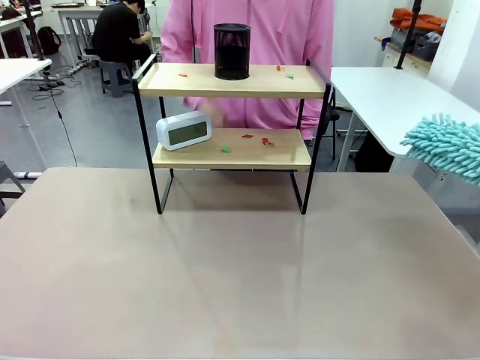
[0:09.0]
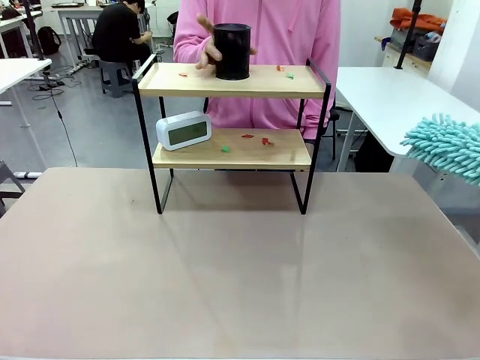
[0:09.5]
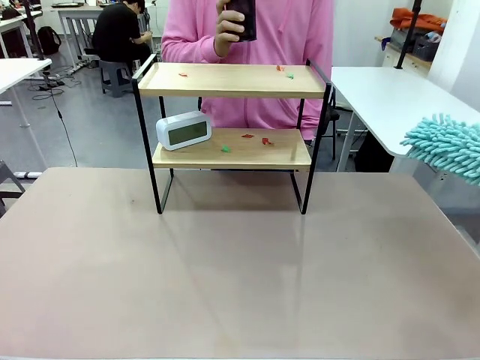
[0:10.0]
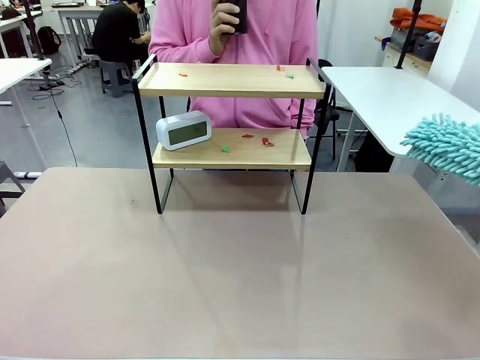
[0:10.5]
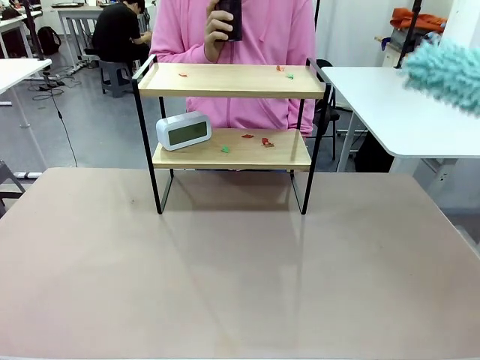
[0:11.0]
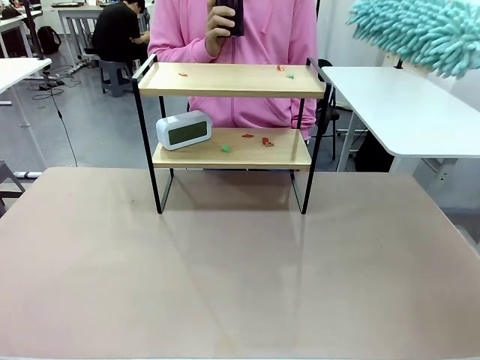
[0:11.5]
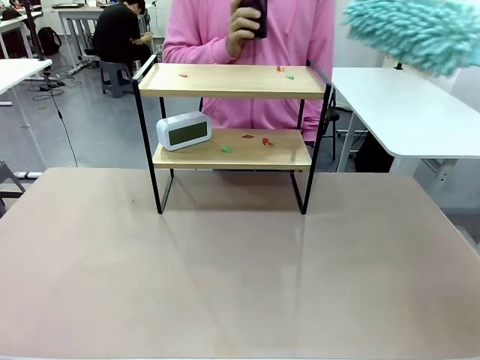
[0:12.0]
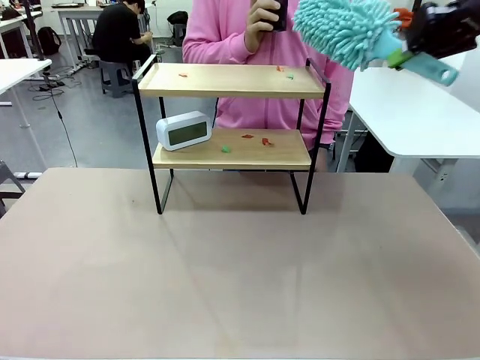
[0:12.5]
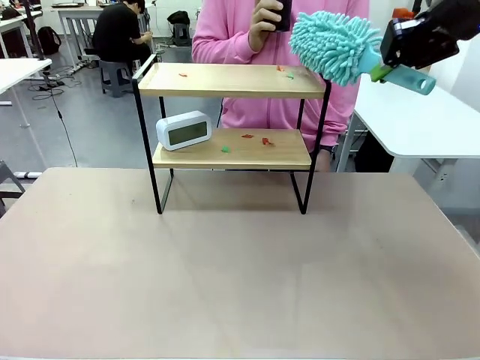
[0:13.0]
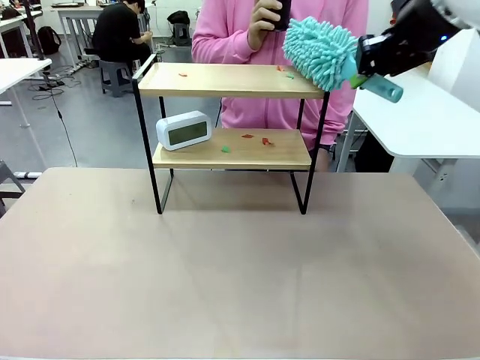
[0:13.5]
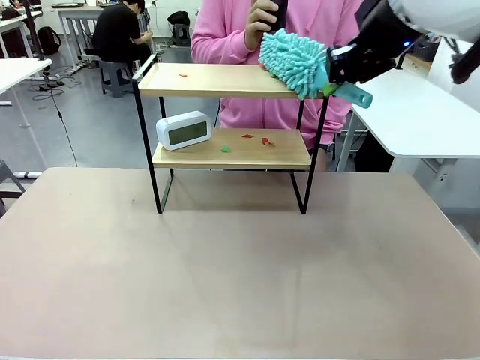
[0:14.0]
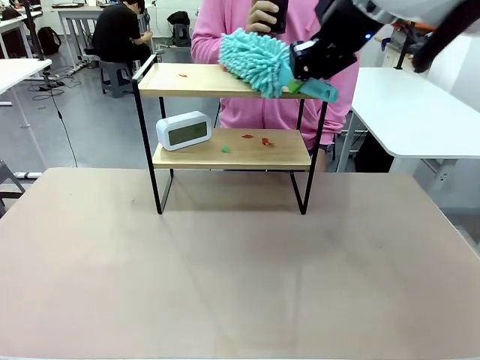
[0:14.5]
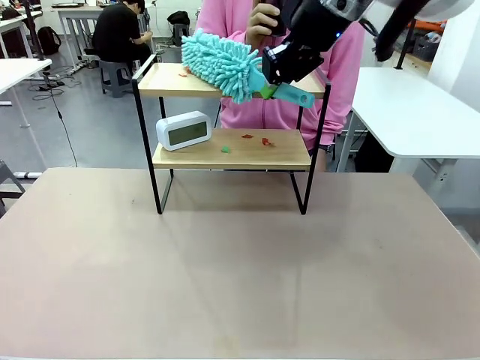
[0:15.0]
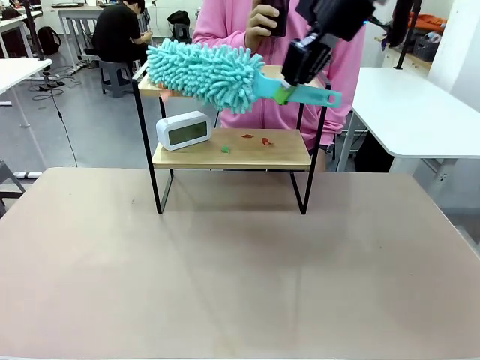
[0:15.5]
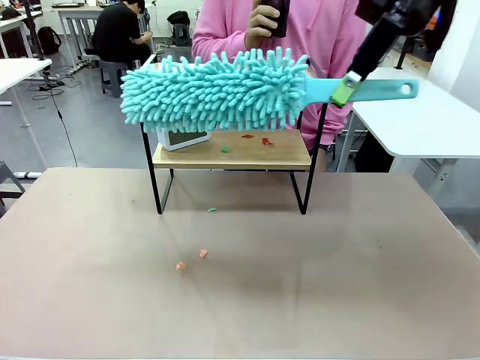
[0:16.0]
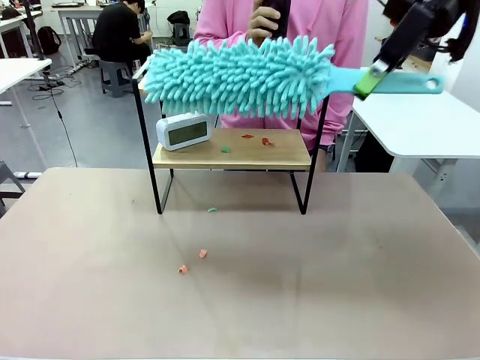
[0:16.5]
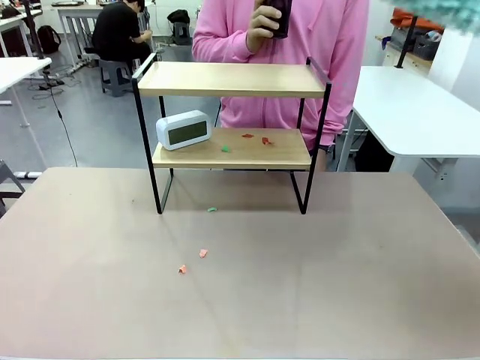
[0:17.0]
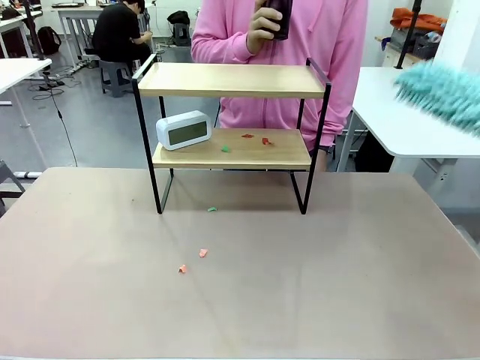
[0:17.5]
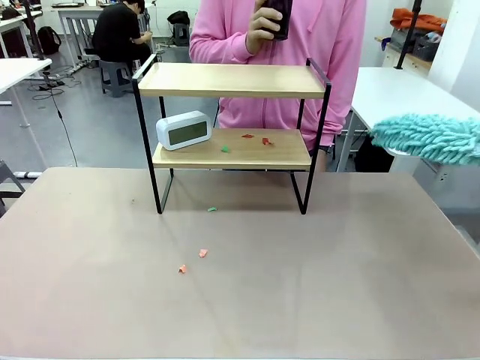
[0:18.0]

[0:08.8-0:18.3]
Task: Clean the shelf.
Robot: Clean the specific tier of the Shelf with the Duster once objects are removed.
Person: Lift the objects on a randomly selected tier of the Shelf. Once the robot finishes cleaning, lift the objects on the remaining tiers of the Shelf.

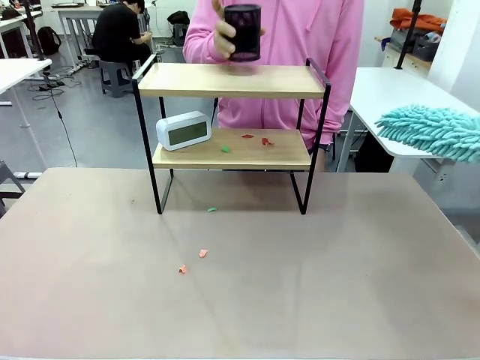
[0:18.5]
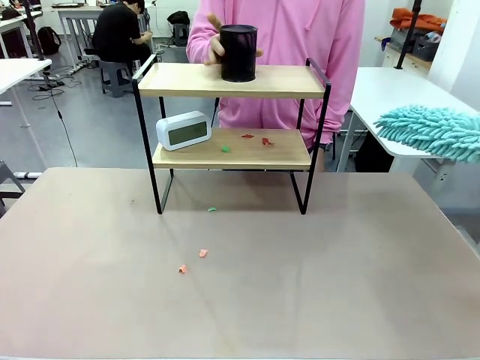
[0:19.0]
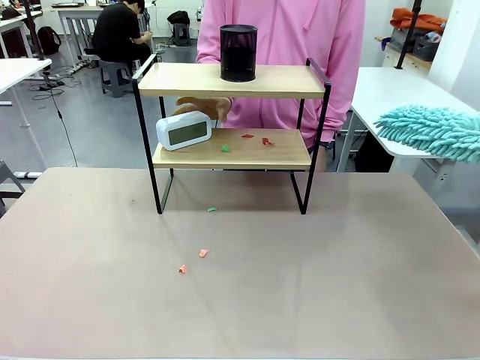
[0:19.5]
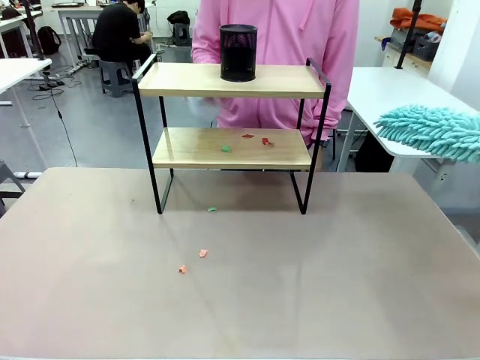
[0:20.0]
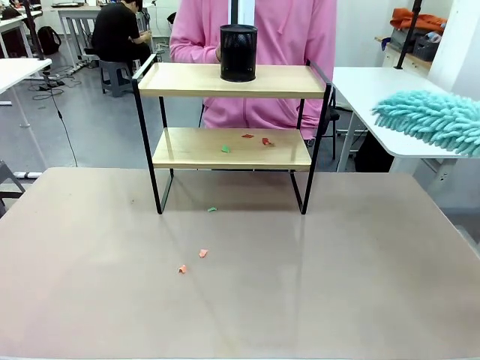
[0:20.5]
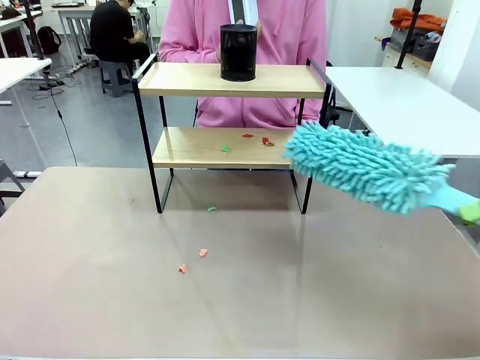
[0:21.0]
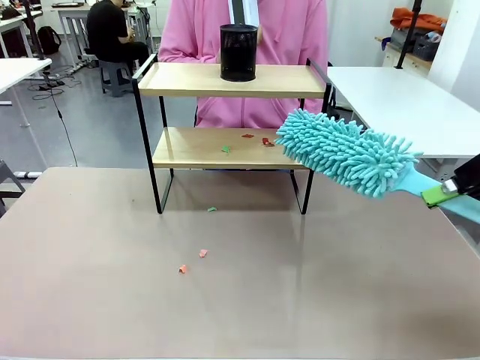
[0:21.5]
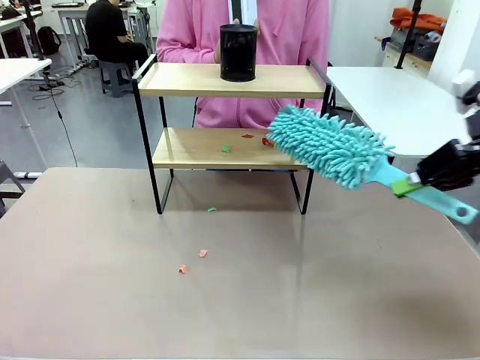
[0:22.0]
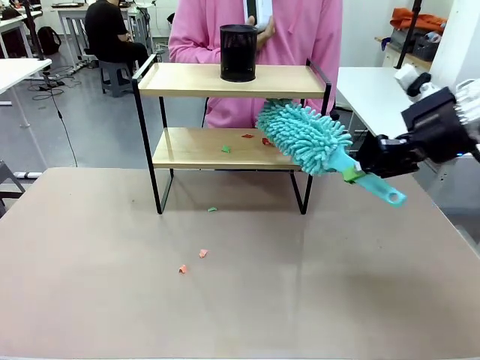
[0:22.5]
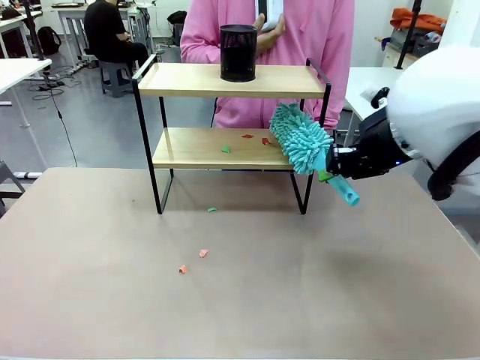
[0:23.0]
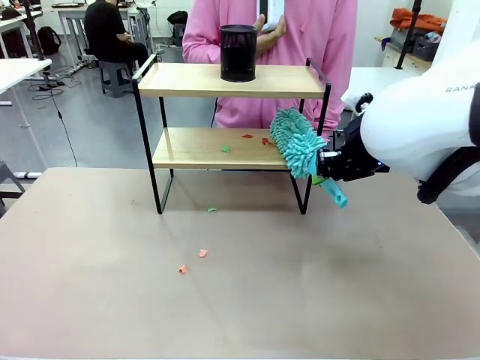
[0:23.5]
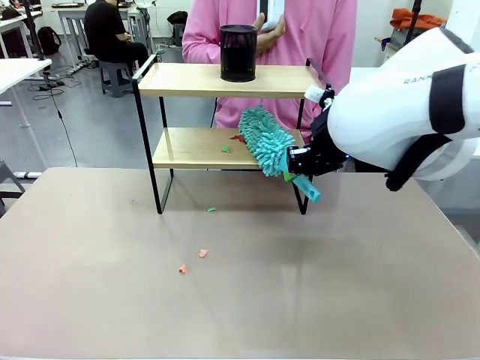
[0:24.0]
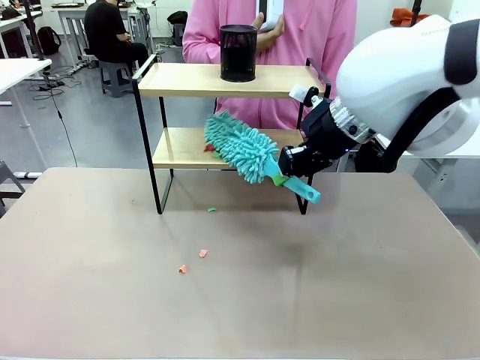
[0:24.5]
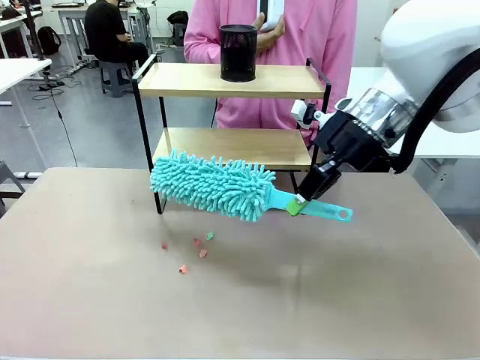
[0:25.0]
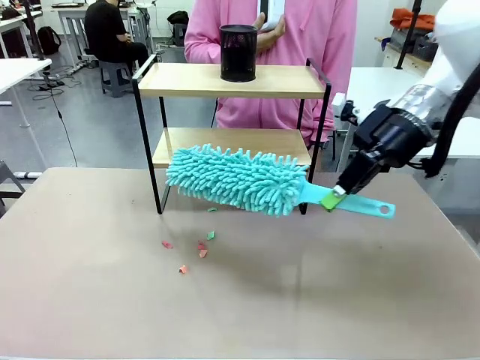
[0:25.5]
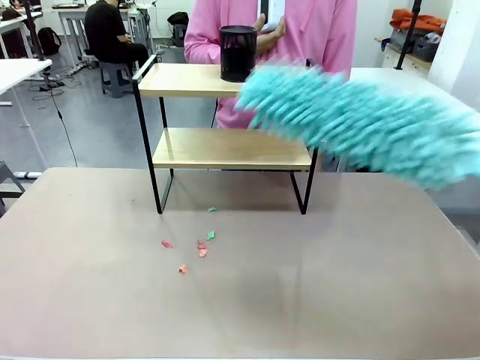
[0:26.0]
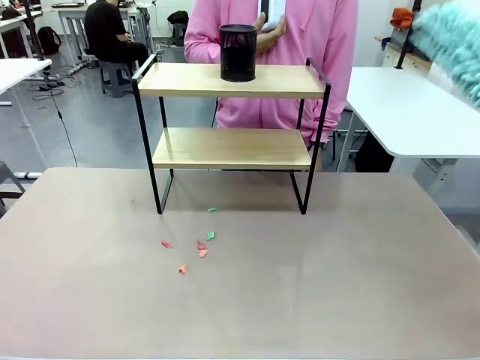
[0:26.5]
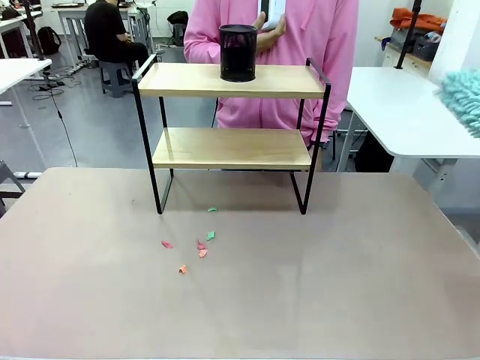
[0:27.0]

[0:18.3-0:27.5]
Robot: Clean the remaining tier of the Shelf with the Duster once objects are removed.

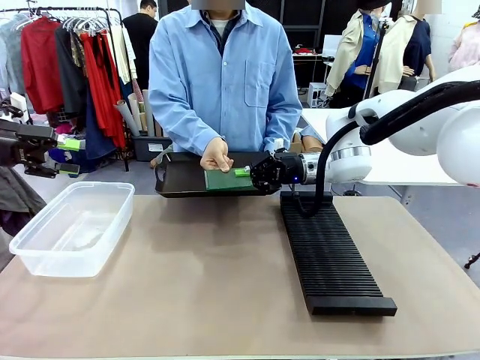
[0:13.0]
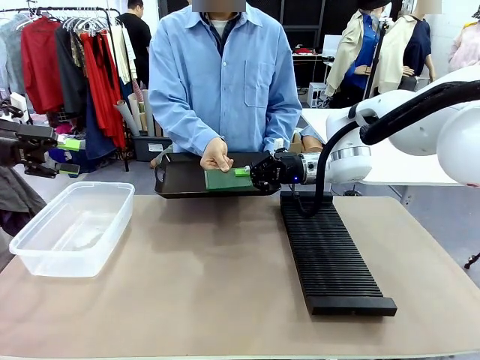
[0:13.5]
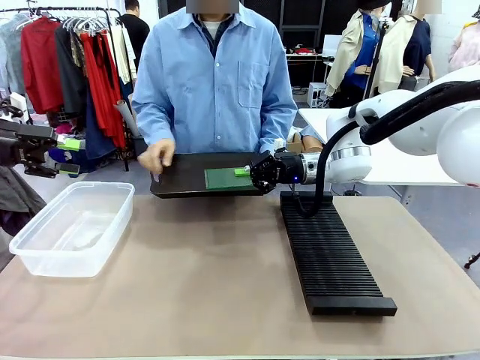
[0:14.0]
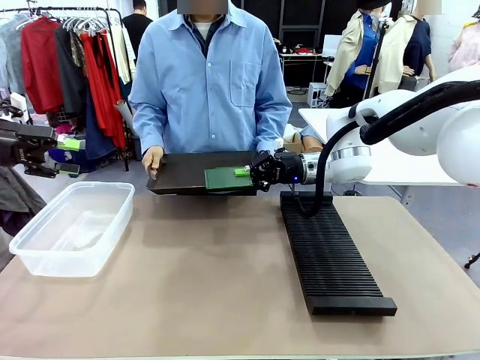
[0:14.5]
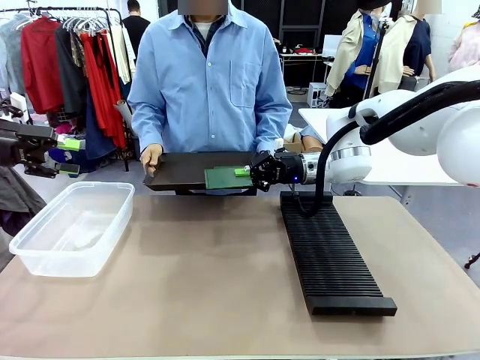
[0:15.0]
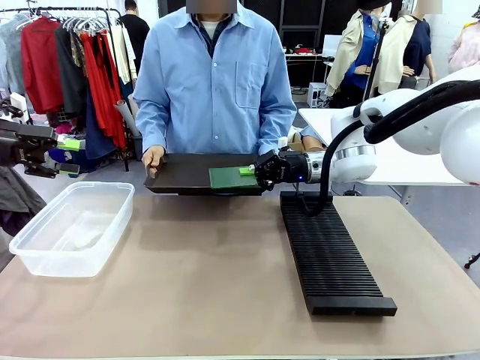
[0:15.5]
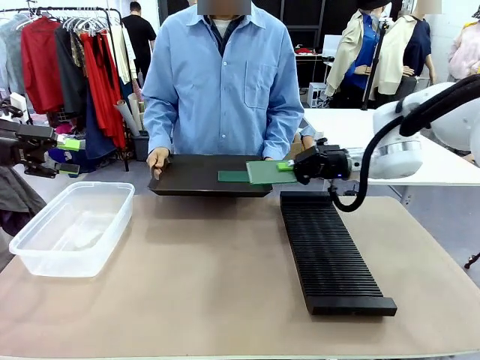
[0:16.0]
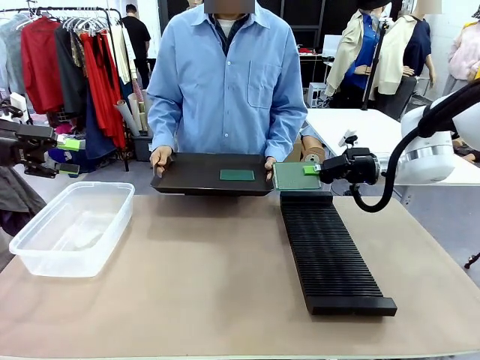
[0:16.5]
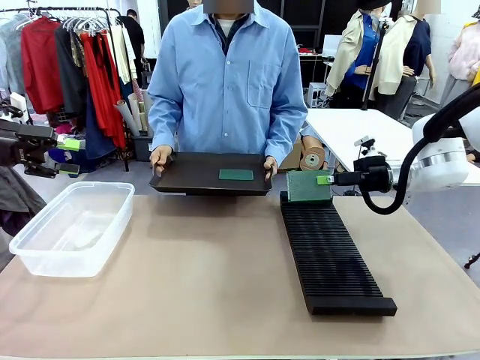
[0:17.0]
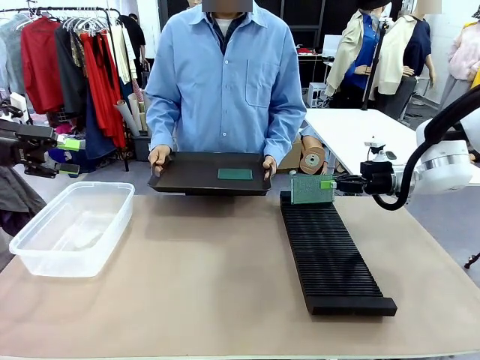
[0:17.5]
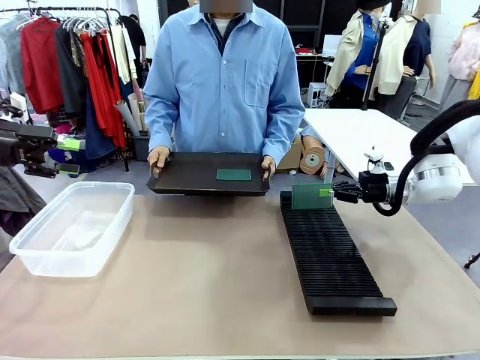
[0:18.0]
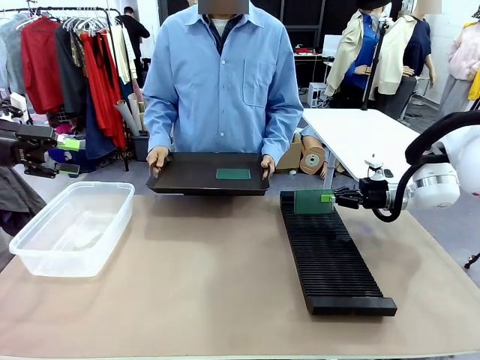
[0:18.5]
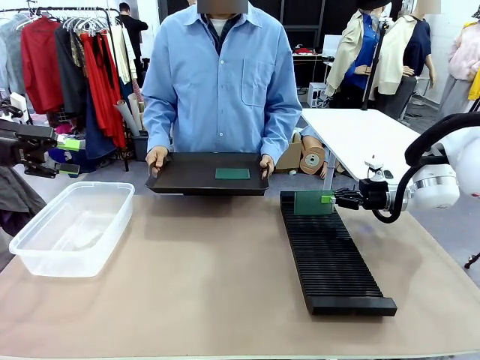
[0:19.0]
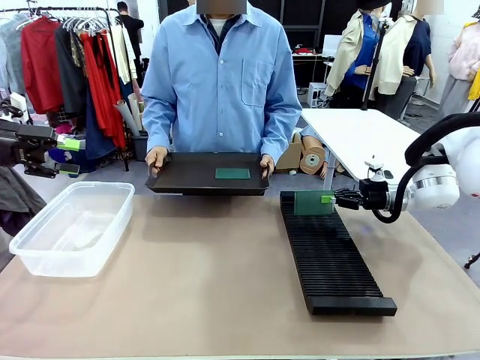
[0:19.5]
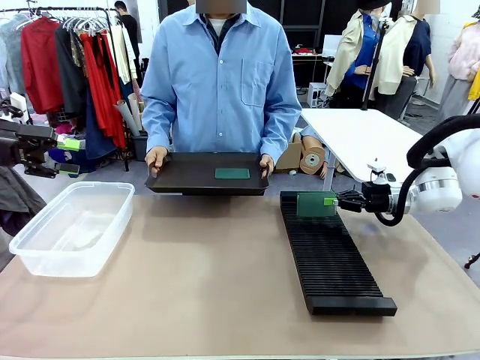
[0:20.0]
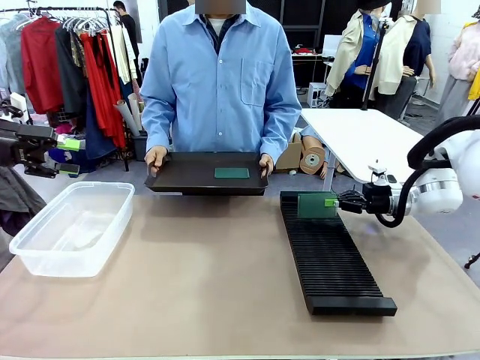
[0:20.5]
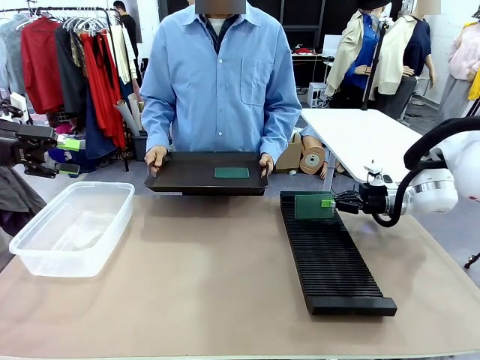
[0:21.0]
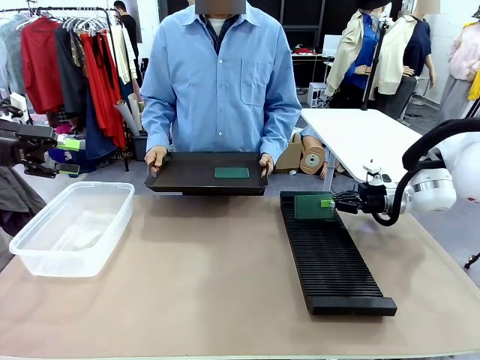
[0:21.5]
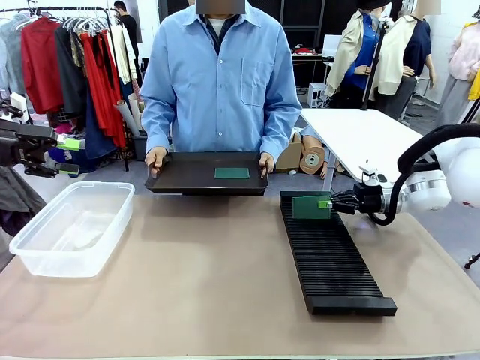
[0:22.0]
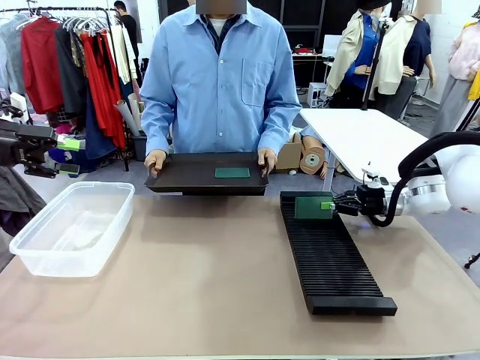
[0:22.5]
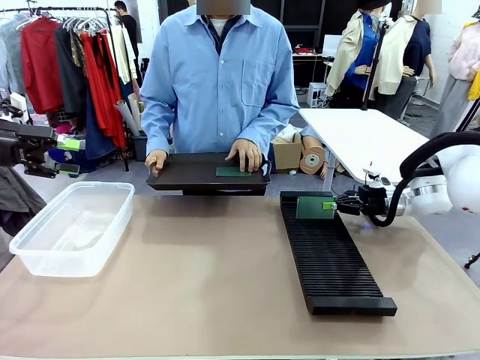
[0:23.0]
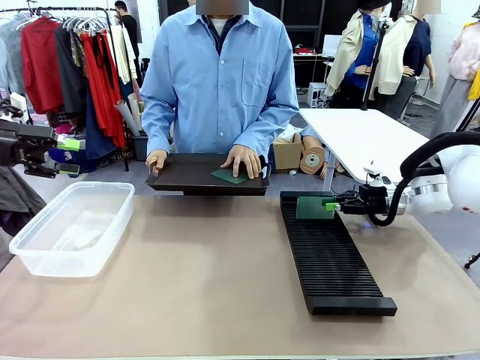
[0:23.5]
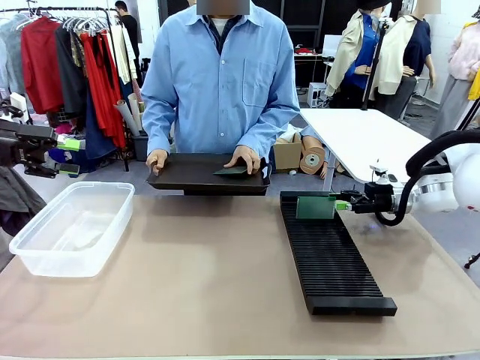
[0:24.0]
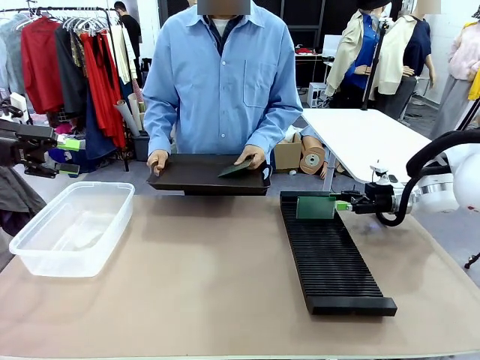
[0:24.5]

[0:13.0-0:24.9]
Task: Sort PCBs into racks and boxes based on the side picked up.
Robot: If the short side of the Blank PCB is picked up, insert it into the PCB Rack ; if the long side is picked up, place it in the Organizing box.
Person: Pick one PCB from the tray and present it to the robot.
